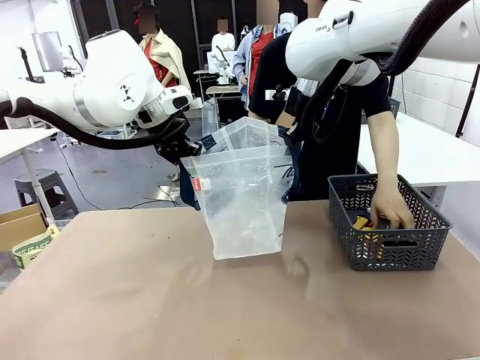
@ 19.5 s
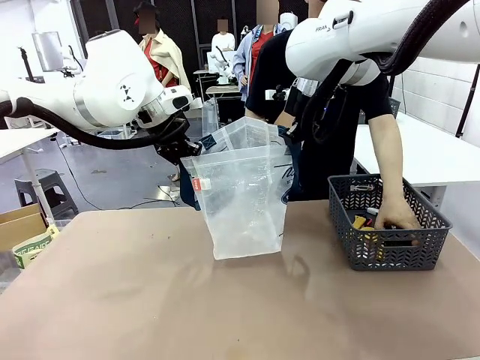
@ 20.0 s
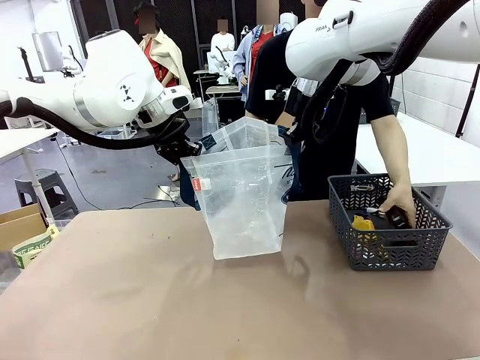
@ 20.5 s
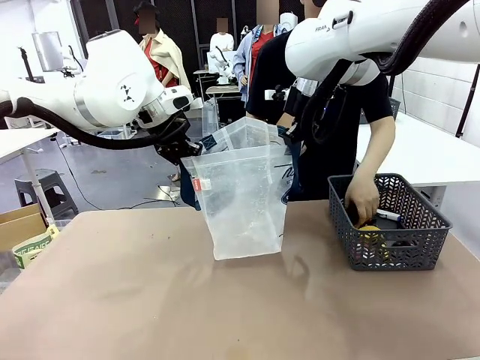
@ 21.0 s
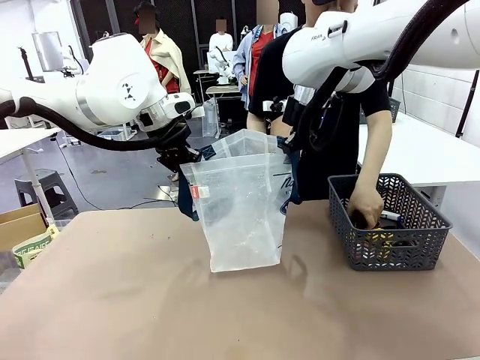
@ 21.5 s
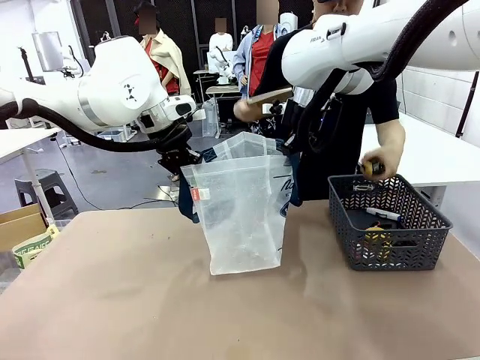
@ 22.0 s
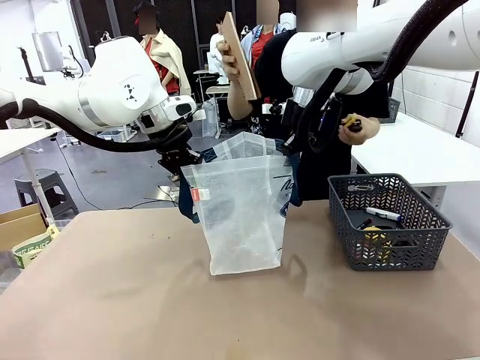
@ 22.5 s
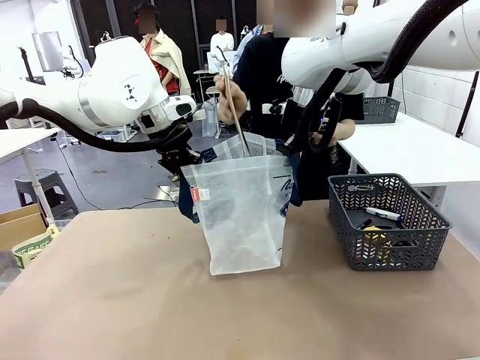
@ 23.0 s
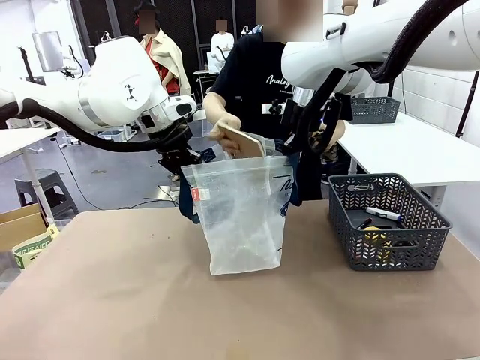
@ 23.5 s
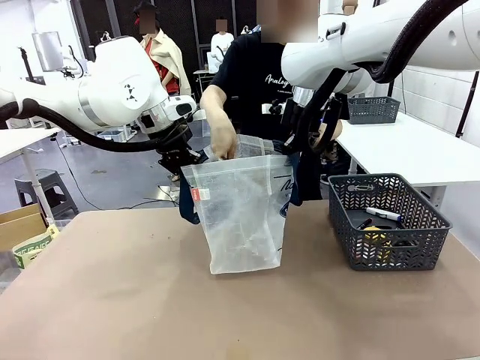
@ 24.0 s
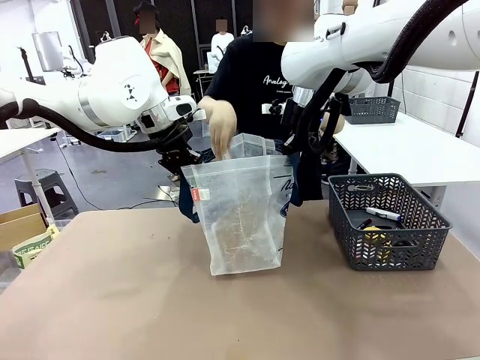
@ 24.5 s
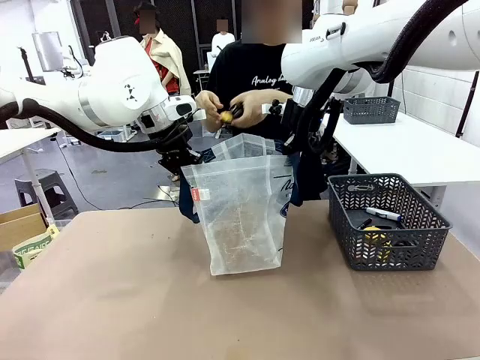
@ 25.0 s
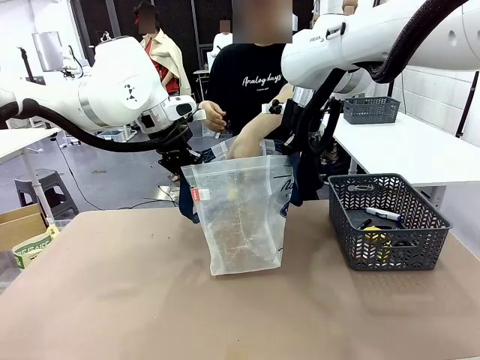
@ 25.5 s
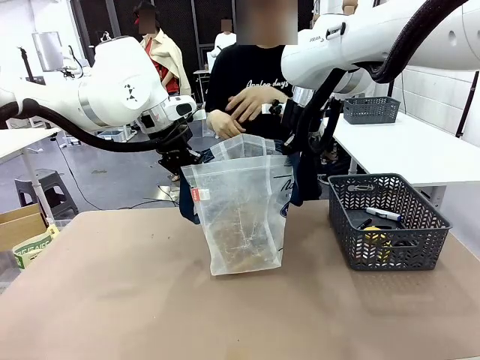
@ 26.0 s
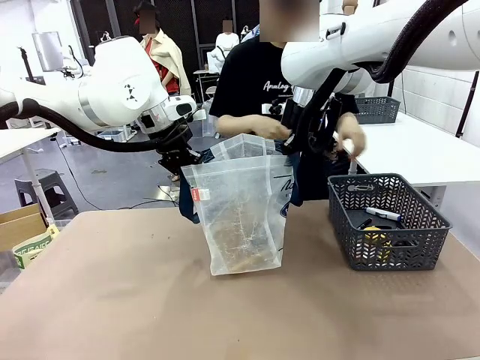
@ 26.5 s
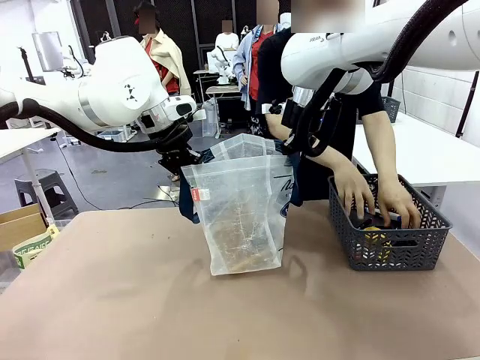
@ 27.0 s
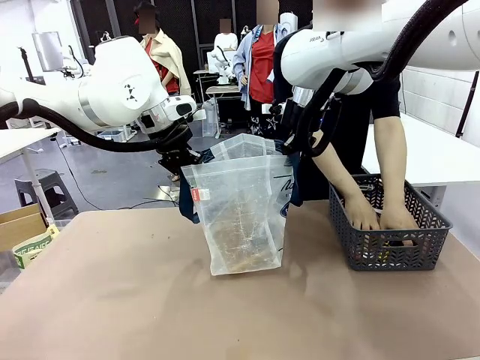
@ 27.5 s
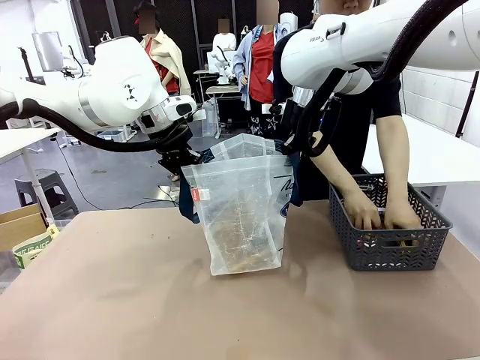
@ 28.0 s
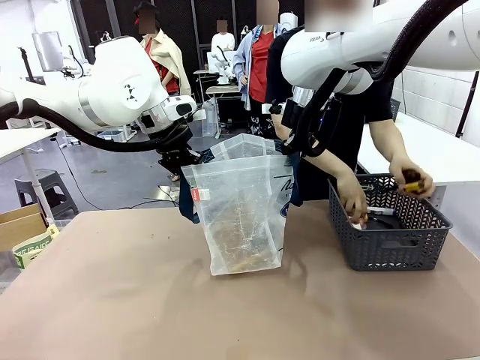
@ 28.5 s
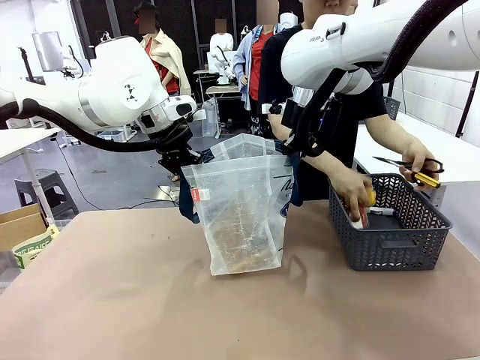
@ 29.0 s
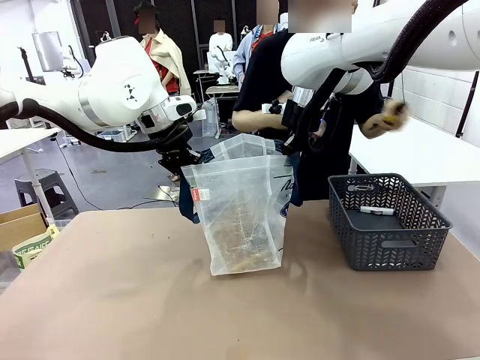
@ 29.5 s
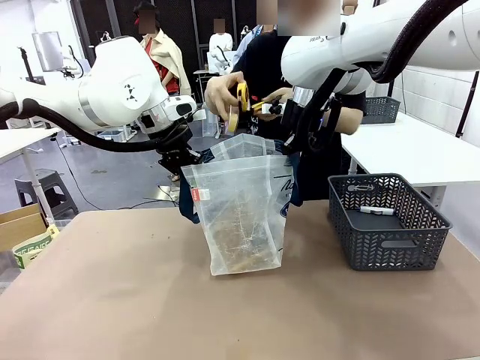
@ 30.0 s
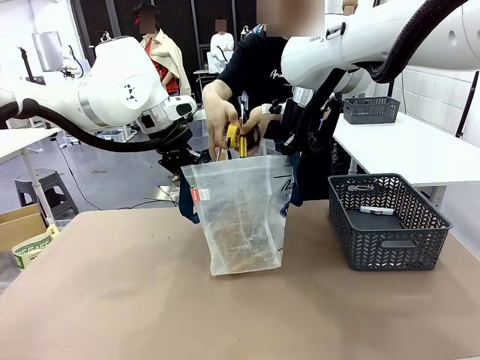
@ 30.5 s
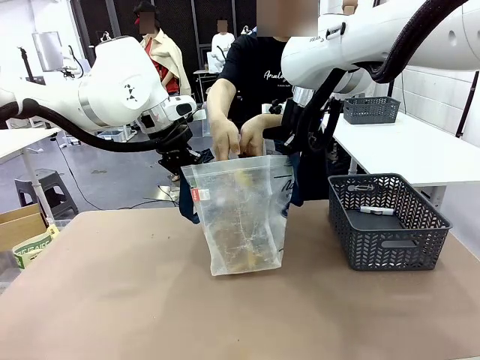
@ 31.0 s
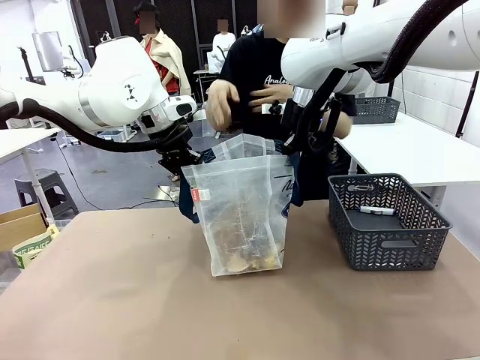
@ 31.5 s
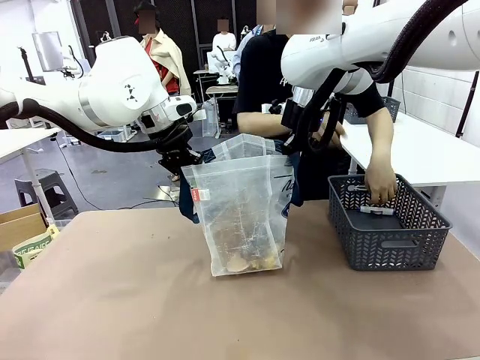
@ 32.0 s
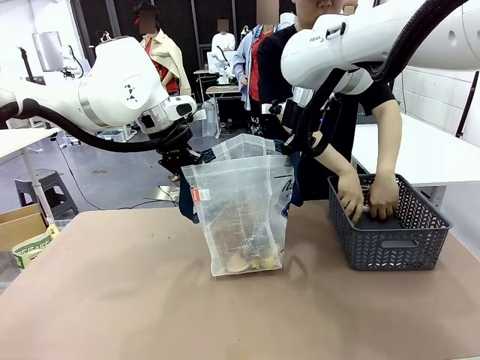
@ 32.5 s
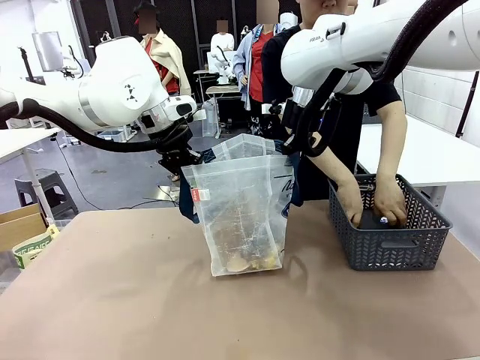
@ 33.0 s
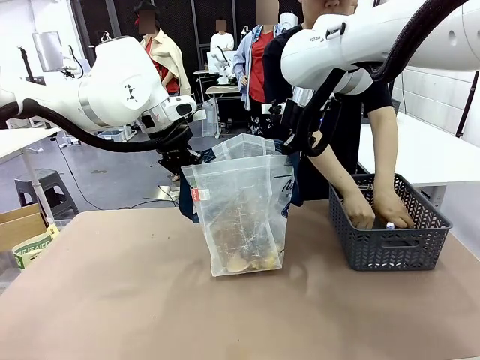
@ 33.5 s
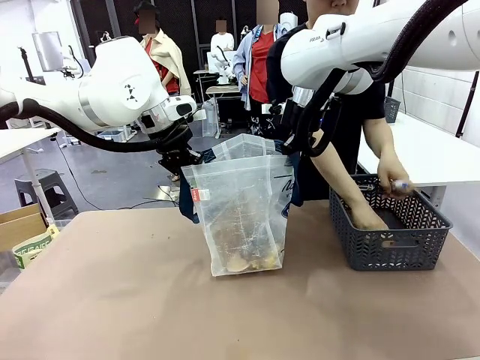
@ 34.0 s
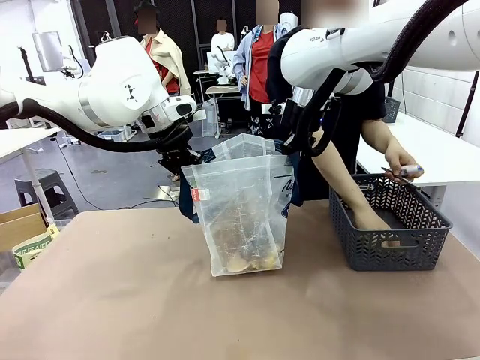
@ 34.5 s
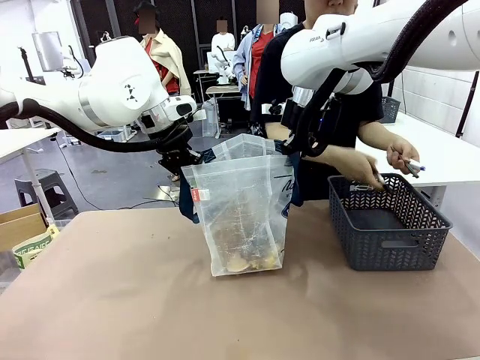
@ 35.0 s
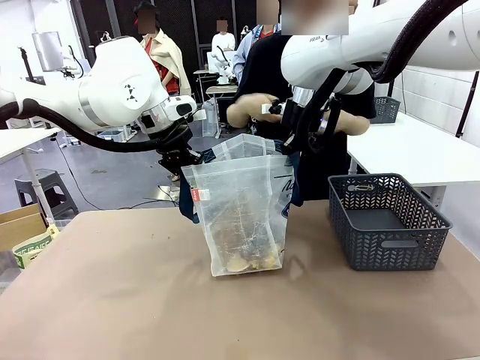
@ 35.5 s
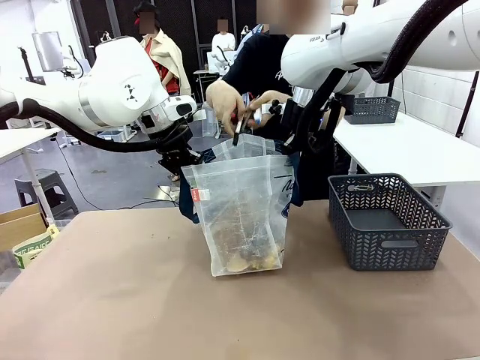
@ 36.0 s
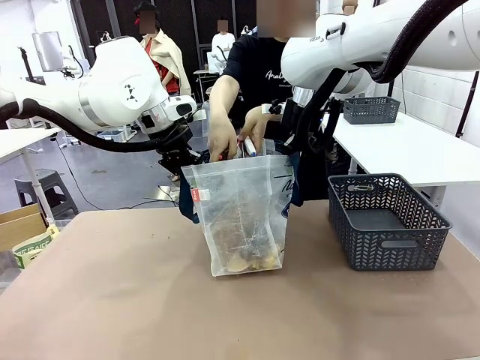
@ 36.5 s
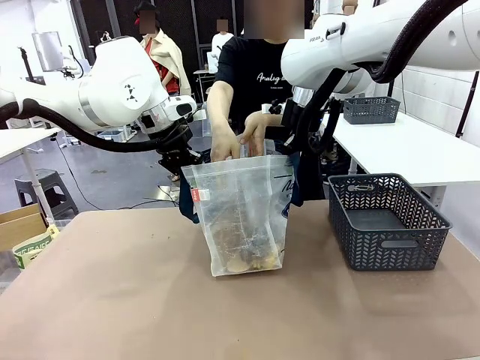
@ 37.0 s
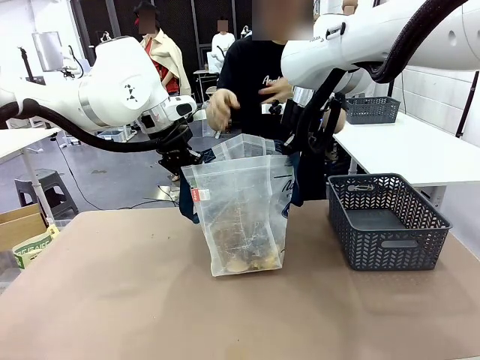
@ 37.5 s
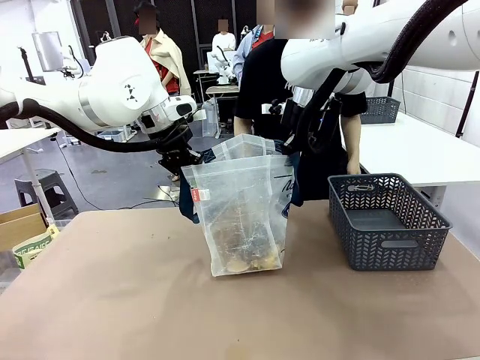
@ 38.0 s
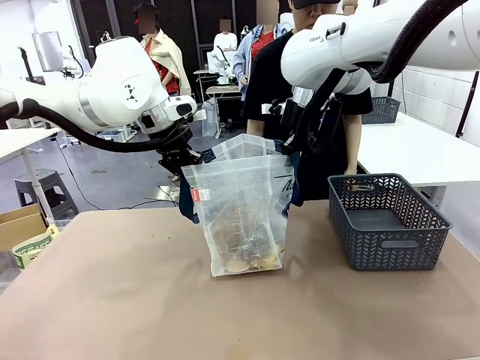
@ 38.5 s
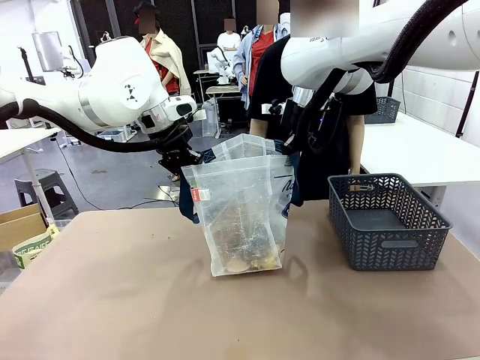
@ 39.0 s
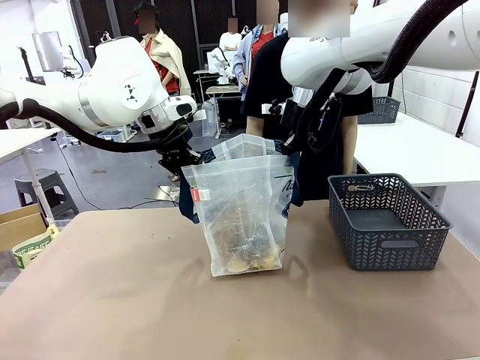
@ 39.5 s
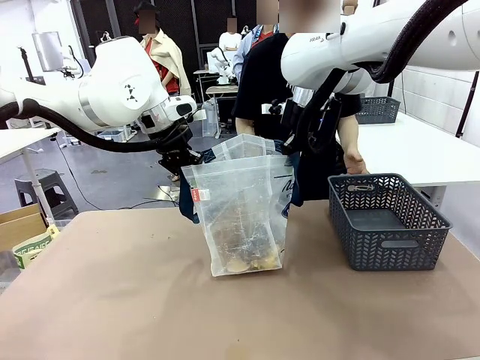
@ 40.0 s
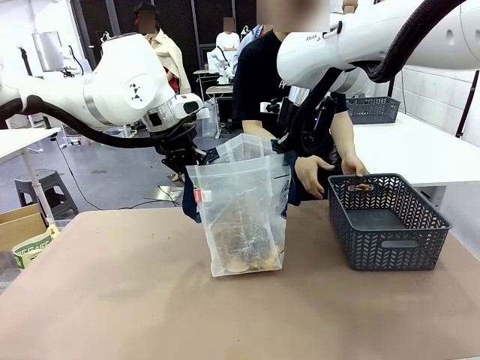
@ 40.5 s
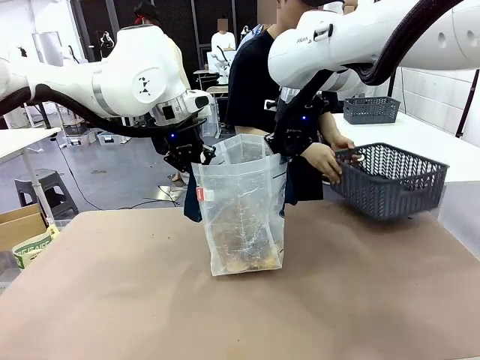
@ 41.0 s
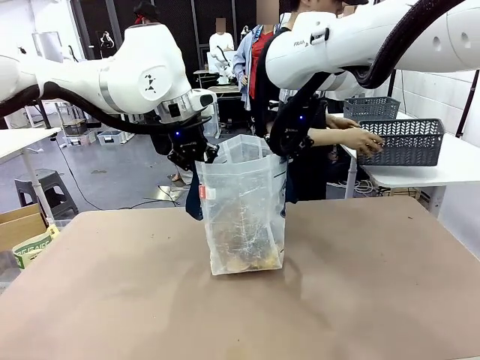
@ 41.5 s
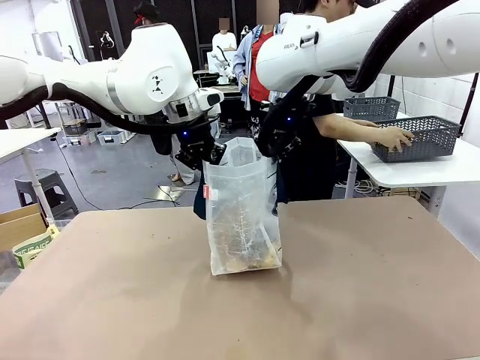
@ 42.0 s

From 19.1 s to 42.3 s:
Task: Transfer purchased items from the store into the shopping bag.
Robot: Move the Reusable shopping bag to the right side of the table.
Person: Pick up the basket on the right, place it on the left side of the robot table, and move the items in the basket to the shopping bag. Pick up the basket with the items out and place it on the right side of the human table.

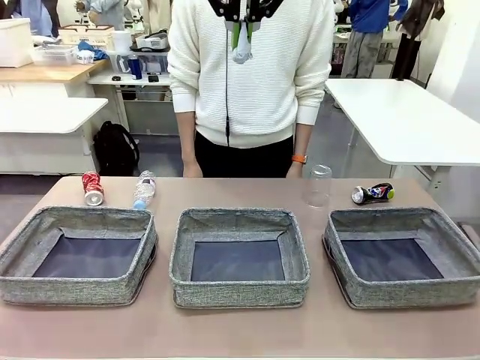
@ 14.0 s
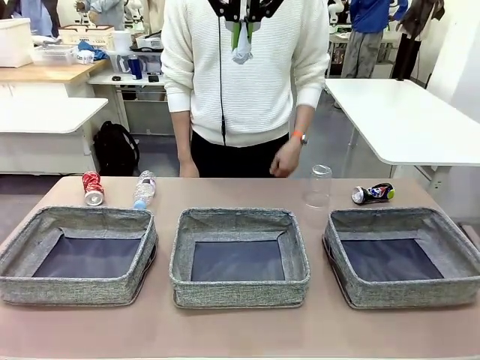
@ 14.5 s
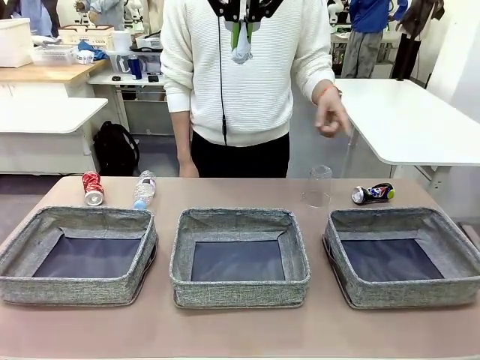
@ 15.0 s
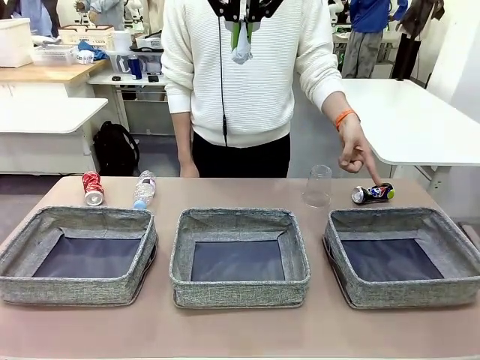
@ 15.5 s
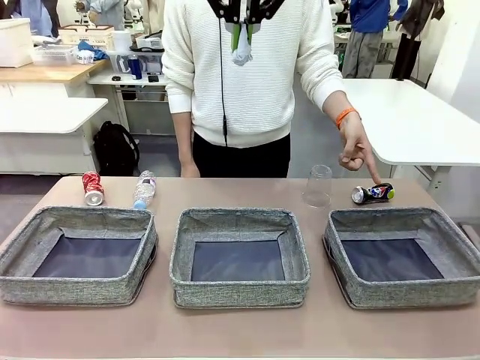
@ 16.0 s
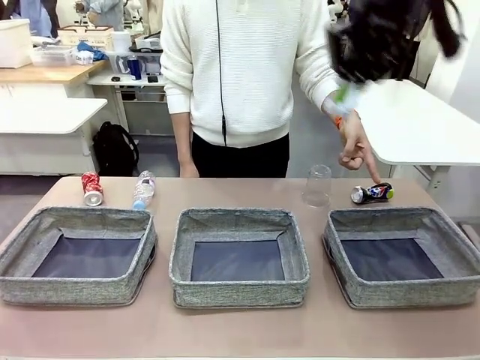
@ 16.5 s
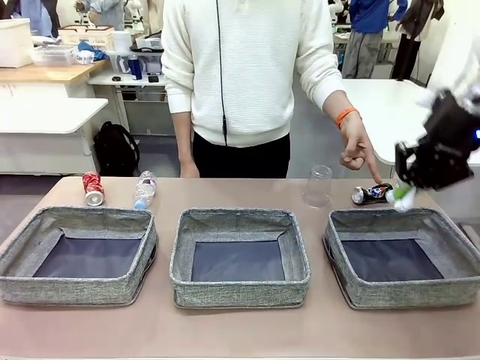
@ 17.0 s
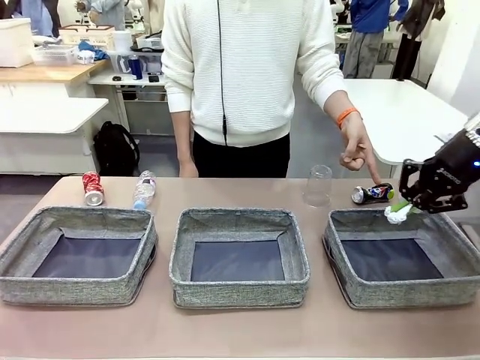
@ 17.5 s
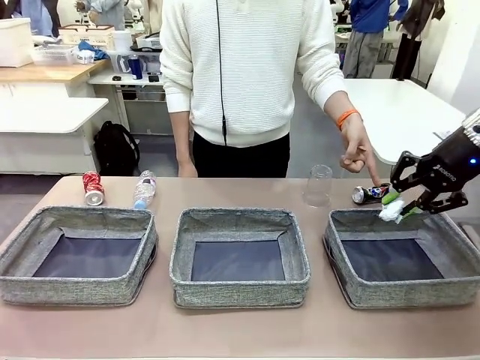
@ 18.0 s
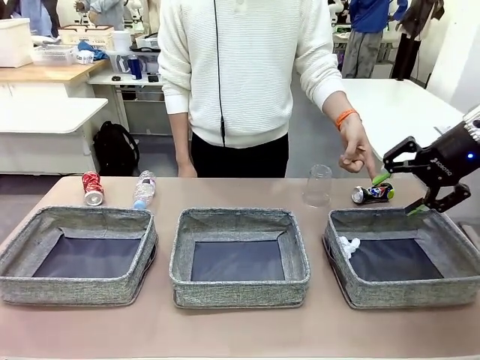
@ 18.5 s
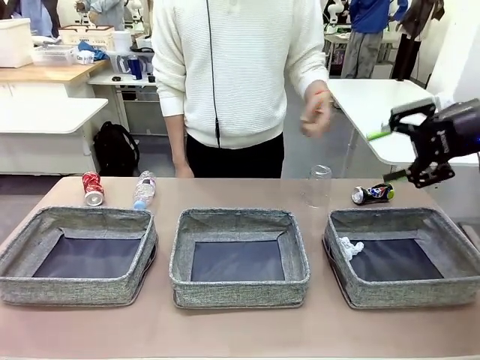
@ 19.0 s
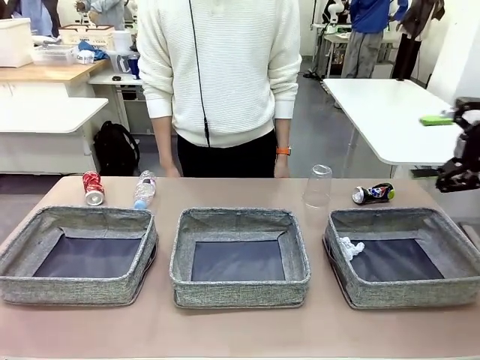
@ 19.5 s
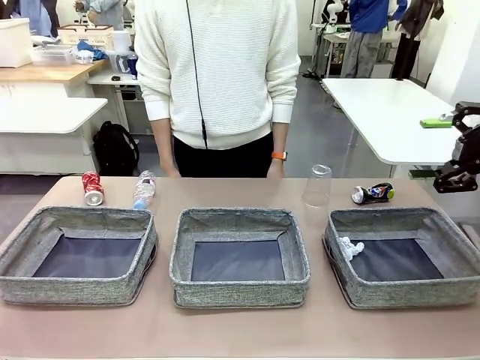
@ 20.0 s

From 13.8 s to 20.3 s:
Task: Sort the waste into the appropriate baskets.
Robot: Place the picked waste into the Fabric basket indicated by the person.
Person: Instructs the robot to place the picked-up trash into the appropriate organizing basket.
